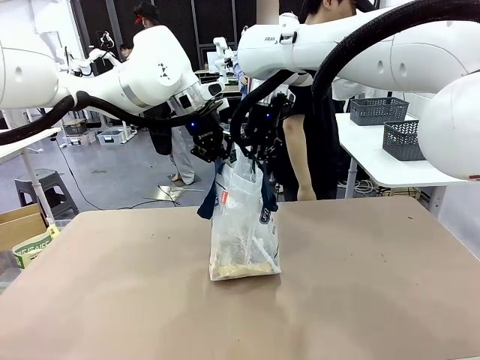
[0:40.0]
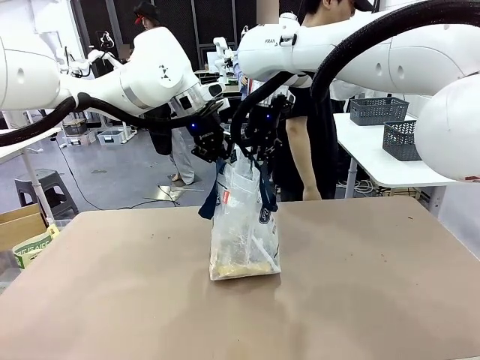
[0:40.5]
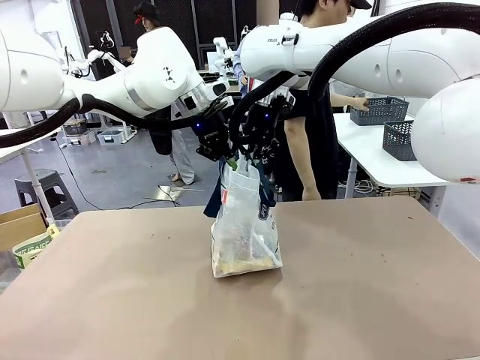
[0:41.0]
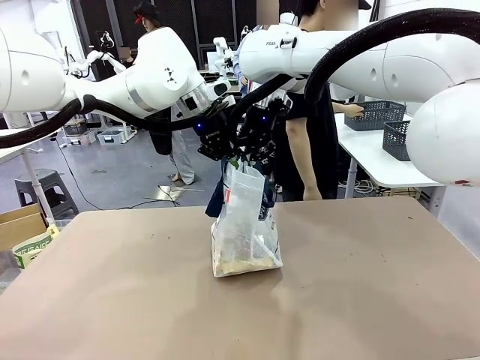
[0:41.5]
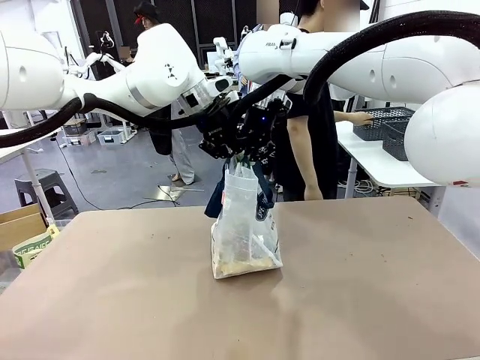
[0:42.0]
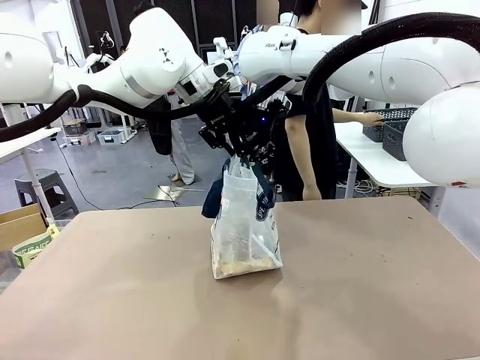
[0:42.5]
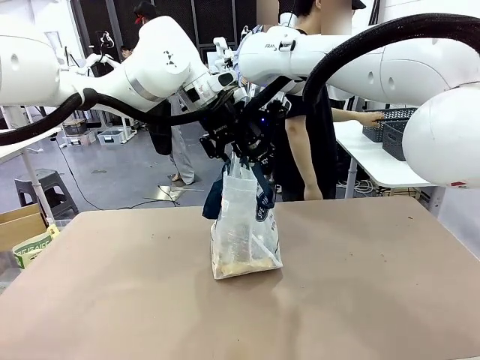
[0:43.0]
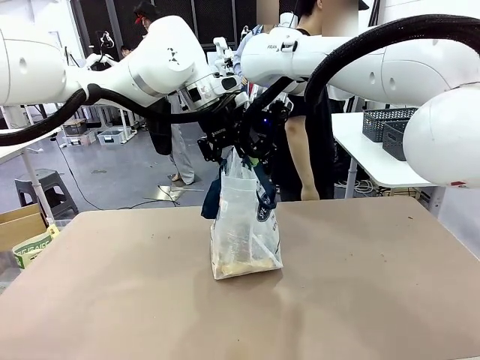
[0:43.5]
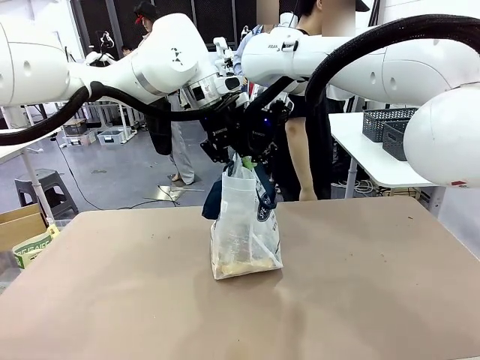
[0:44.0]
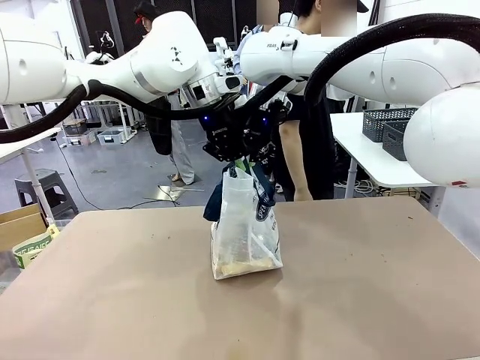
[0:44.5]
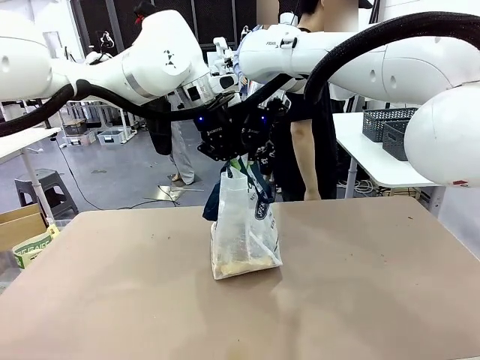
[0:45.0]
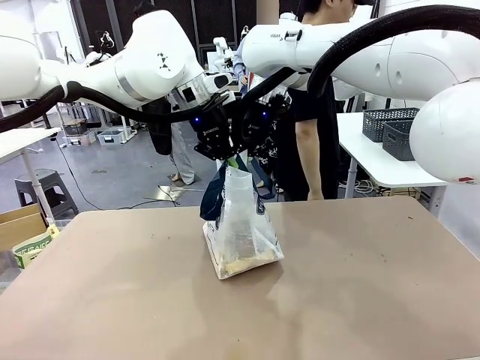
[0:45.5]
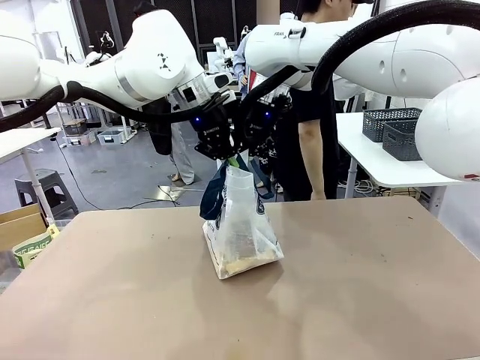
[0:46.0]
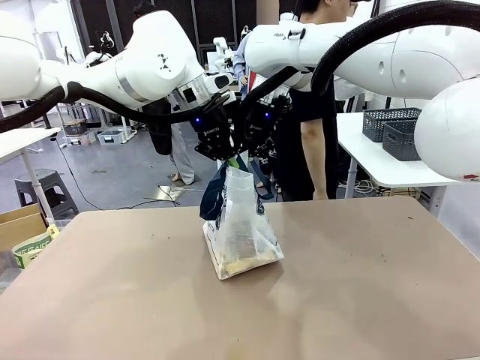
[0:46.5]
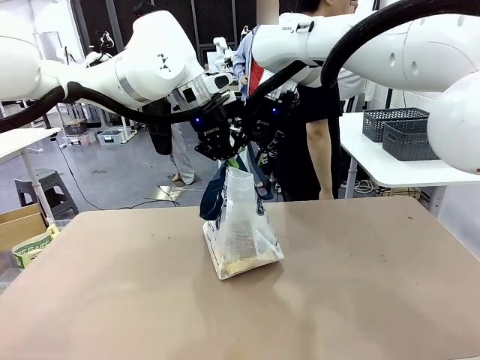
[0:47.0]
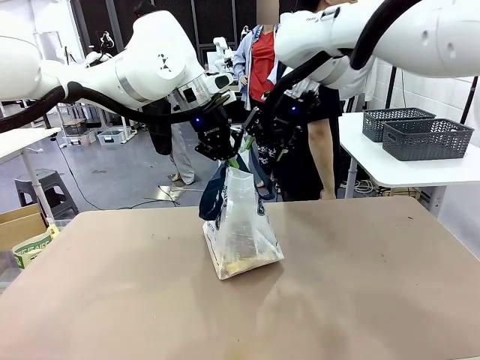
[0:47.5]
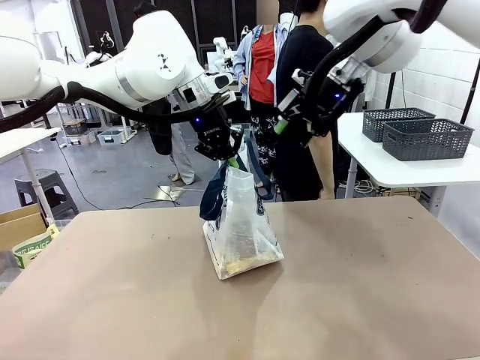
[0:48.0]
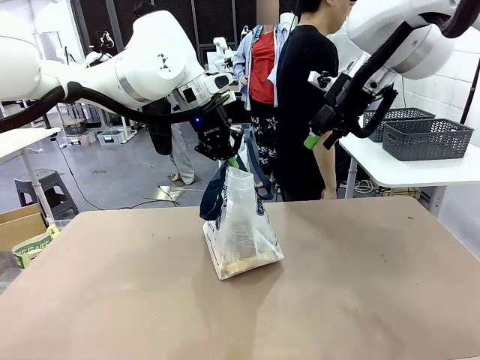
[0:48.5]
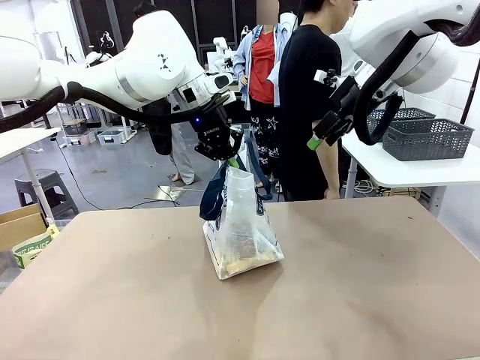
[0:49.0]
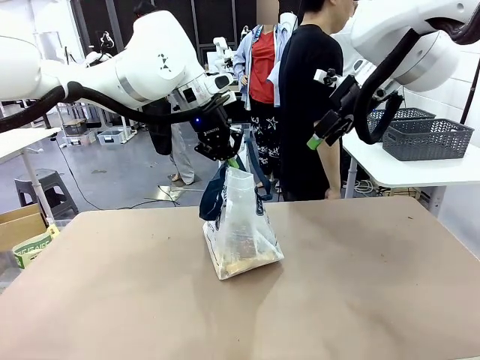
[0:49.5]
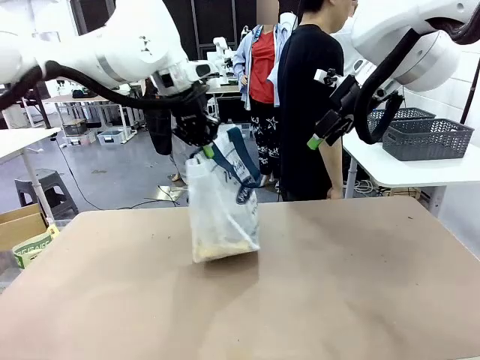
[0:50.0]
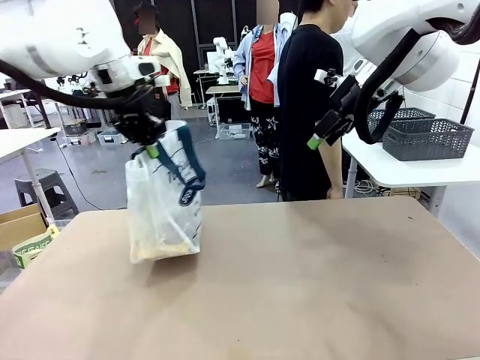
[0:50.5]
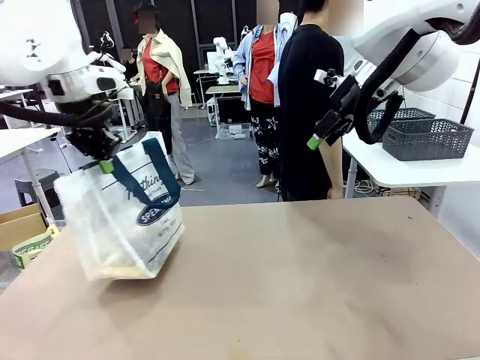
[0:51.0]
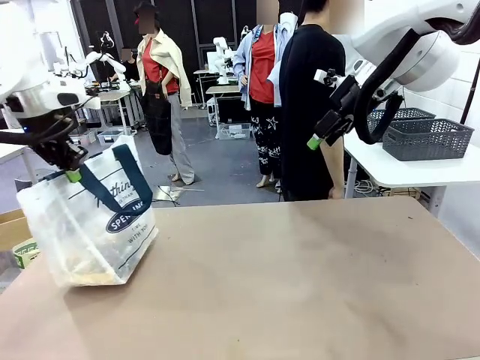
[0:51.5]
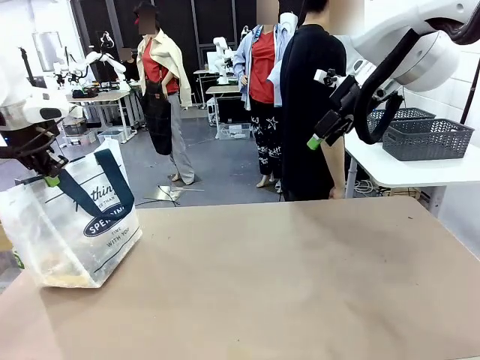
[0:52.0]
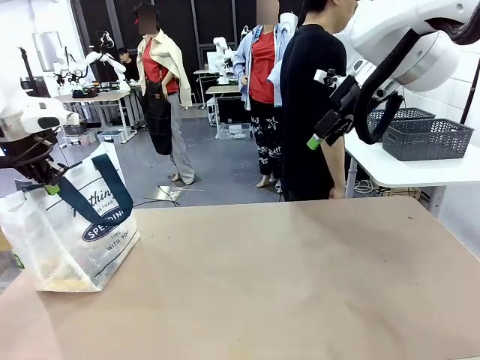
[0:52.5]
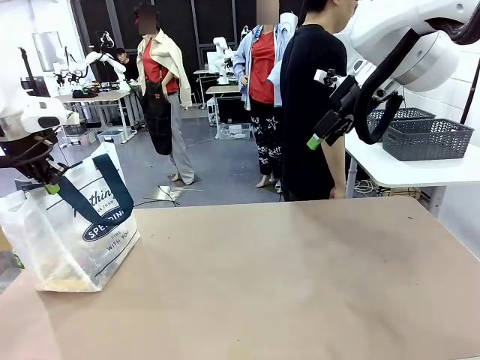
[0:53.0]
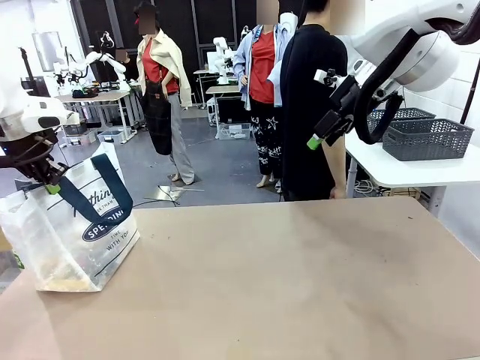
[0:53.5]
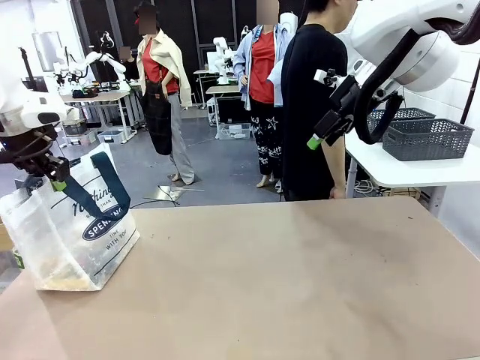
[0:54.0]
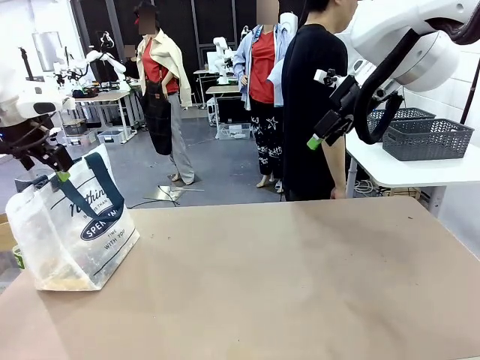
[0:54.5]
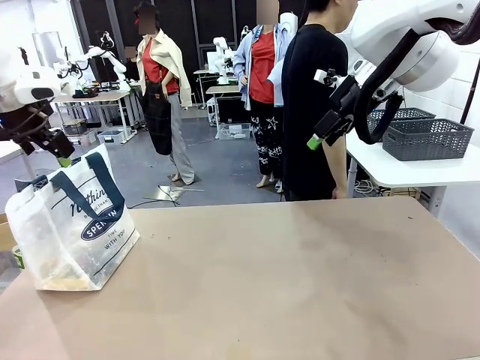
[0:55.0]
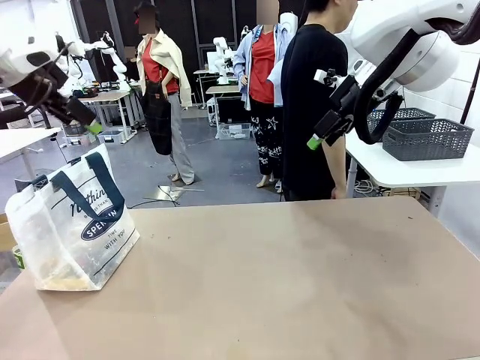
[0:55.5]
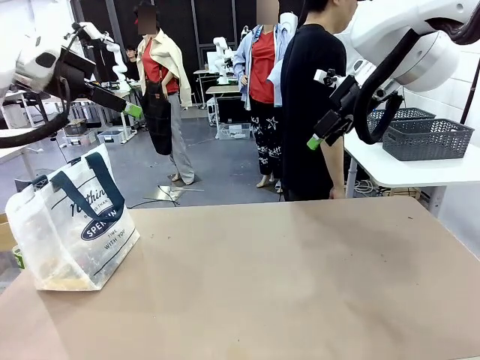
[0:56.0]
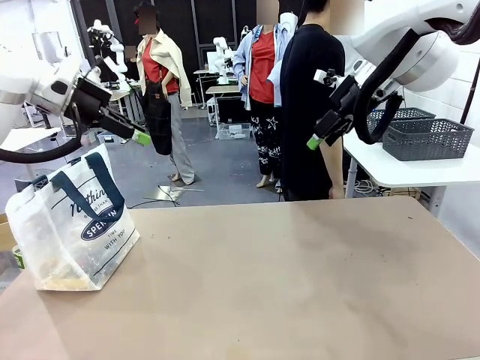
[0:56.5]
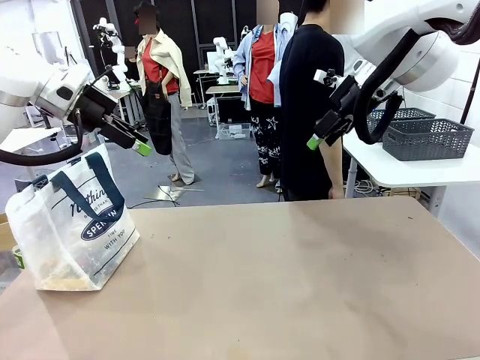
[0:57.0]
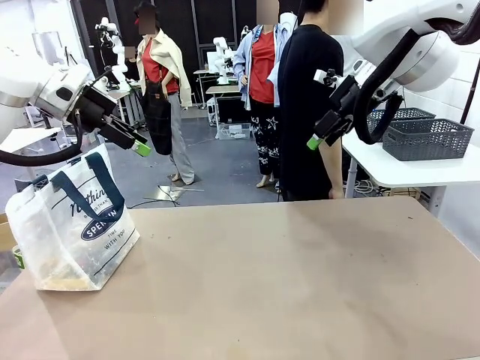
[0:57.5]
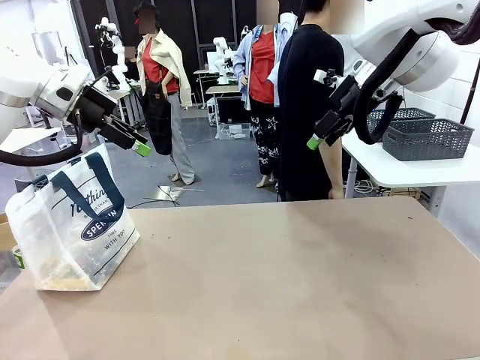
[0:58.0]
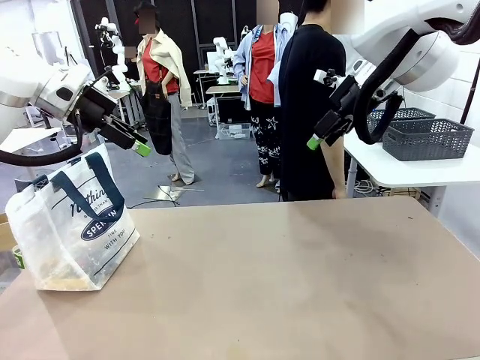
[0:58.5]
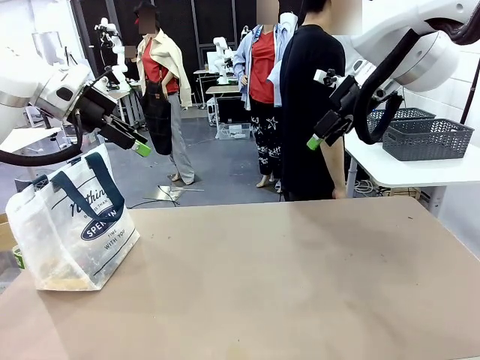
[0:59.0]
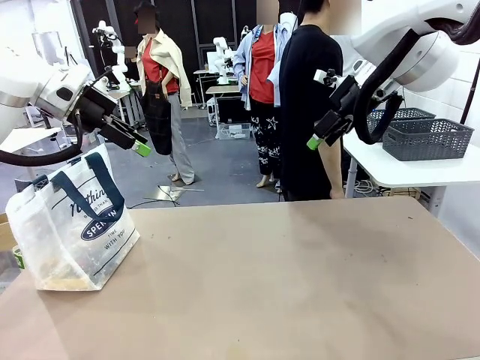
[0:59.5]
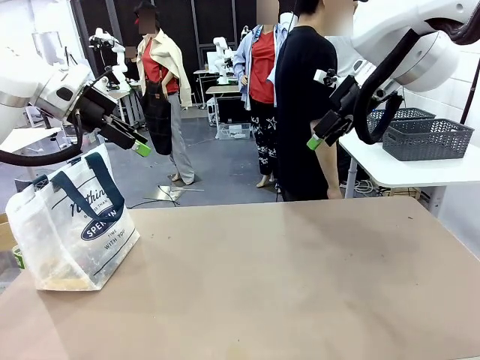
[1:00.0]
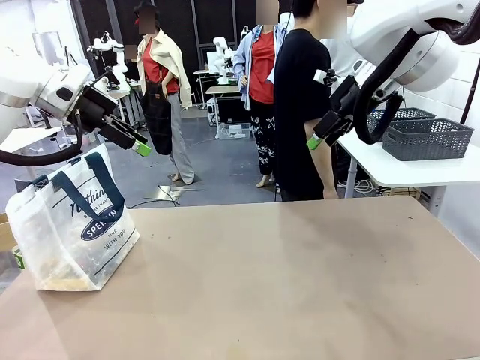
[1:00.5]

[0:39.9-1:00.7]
Task: Transfer purchased items from the store into the shopping bag.
Robot: Move the Reusable shopping bag to the right side of the table.
Person: Move the basket on the left to the middle of the person's table.

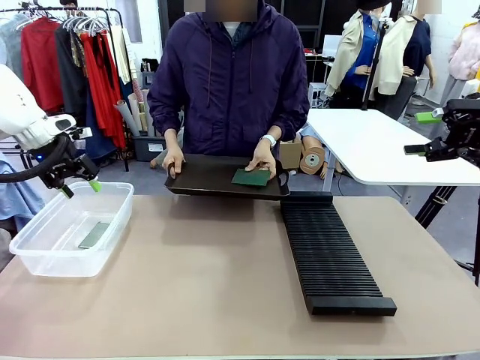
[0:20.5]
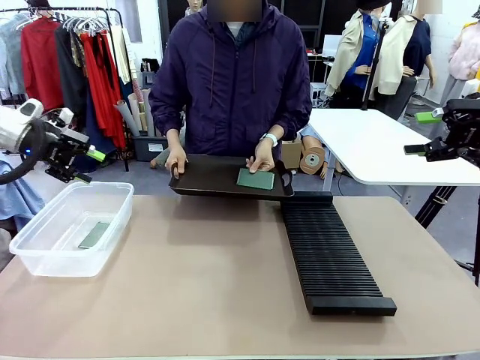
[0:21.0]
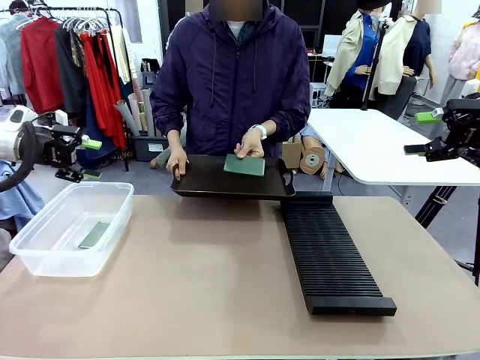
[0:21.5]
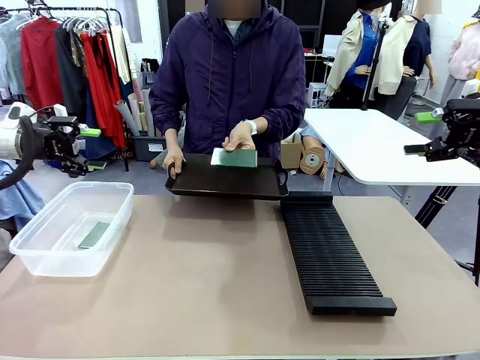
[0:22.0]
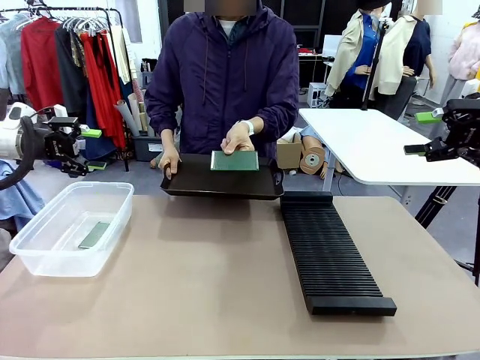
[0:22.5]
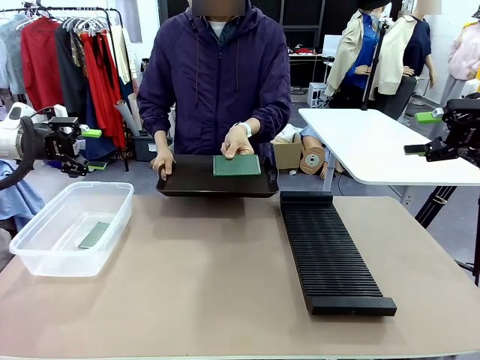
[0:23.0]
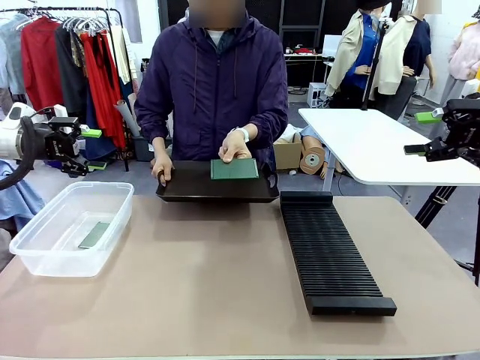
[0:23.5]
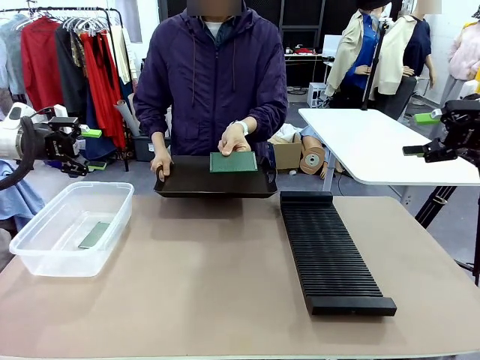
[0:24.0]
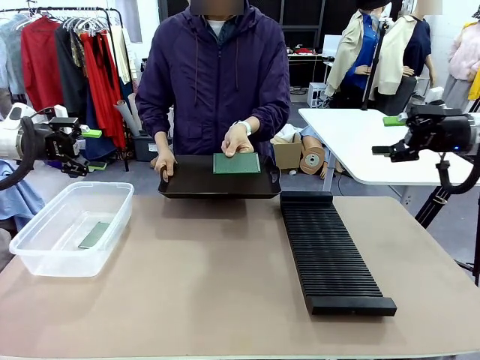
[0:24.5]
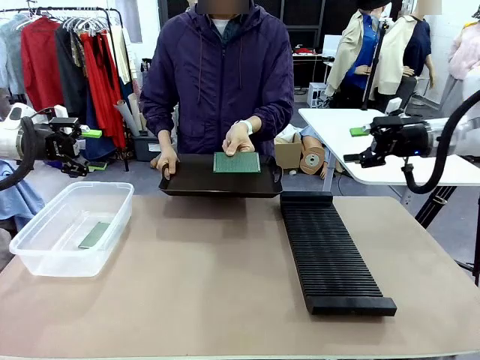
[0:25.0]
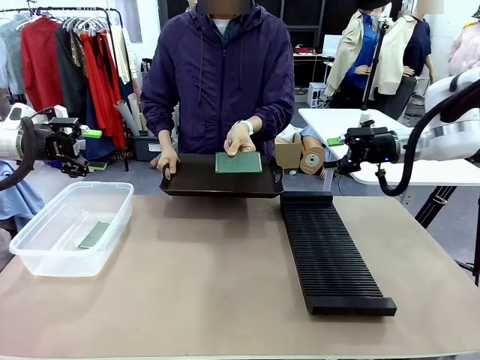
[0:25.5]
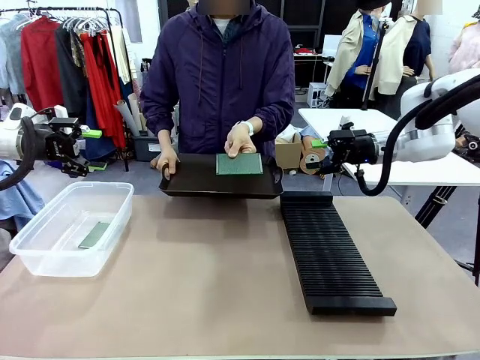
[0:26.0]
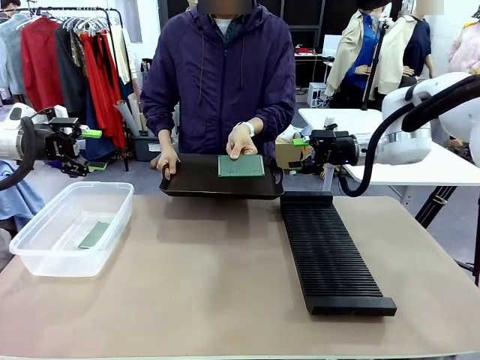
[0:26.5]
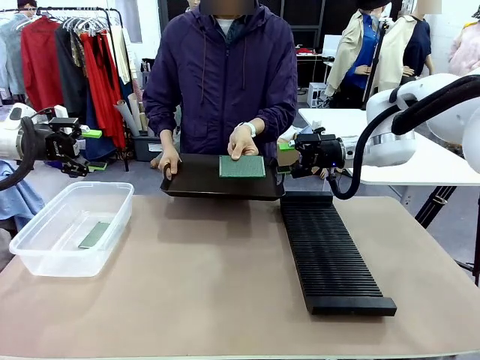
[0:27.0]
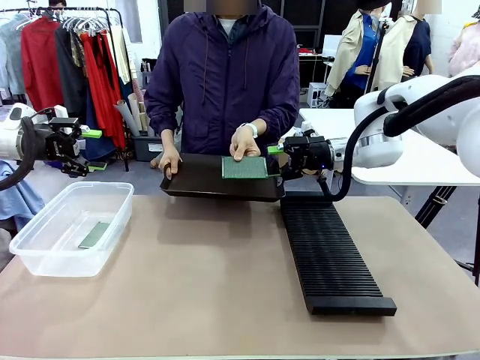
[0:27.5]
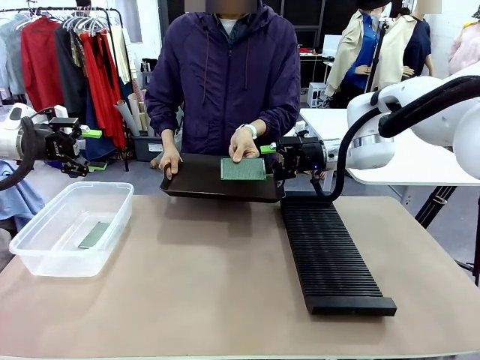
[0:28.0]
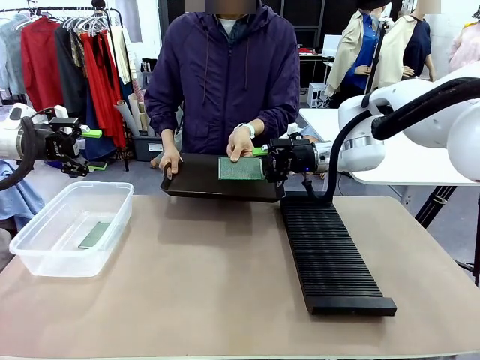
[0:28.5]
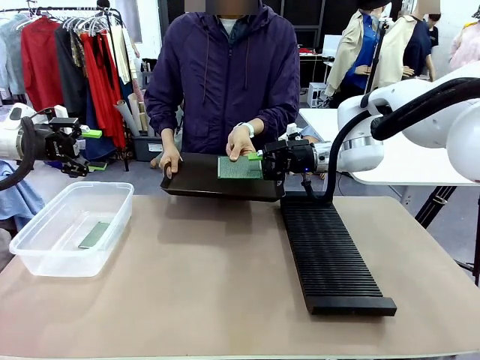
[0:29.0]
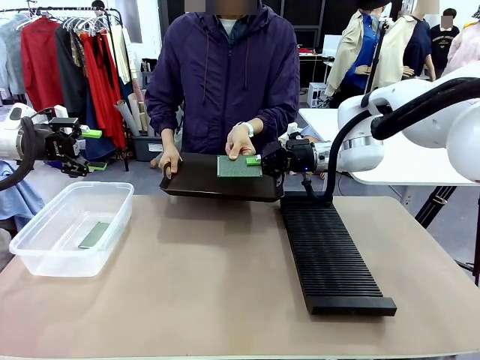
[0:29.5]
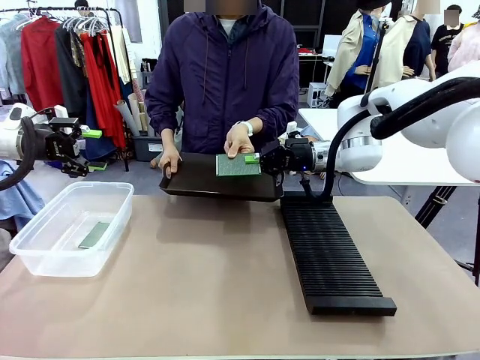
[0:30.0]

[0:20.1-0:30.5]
Task: Sort PCBs into racks and boxes based on the side picked up.
Robot: Pick up the Blank PCB handed by the Human.
